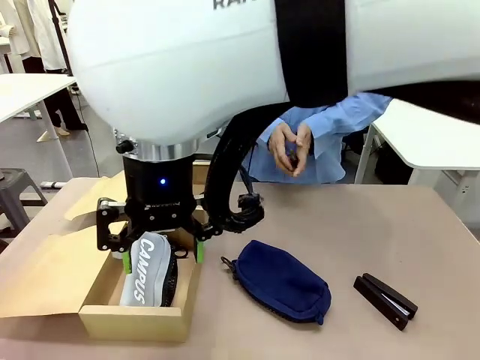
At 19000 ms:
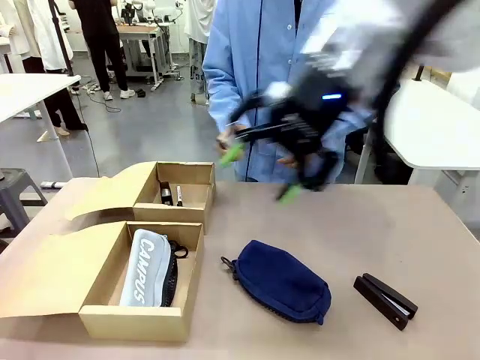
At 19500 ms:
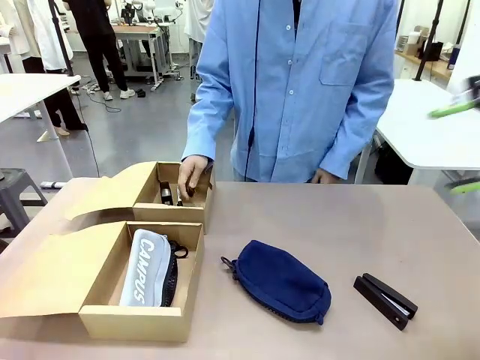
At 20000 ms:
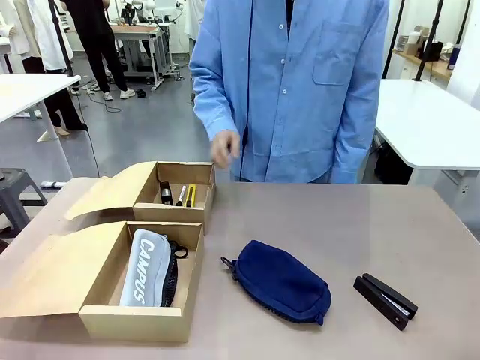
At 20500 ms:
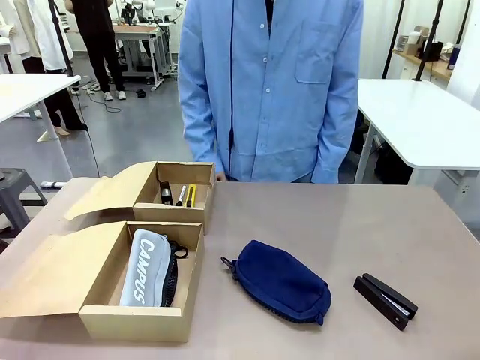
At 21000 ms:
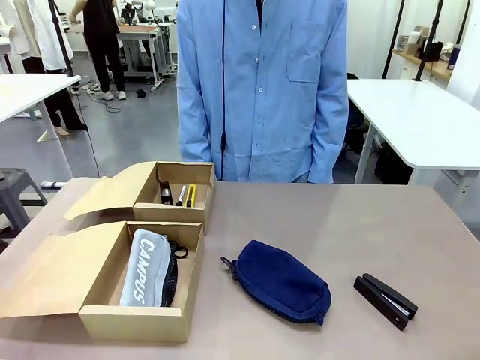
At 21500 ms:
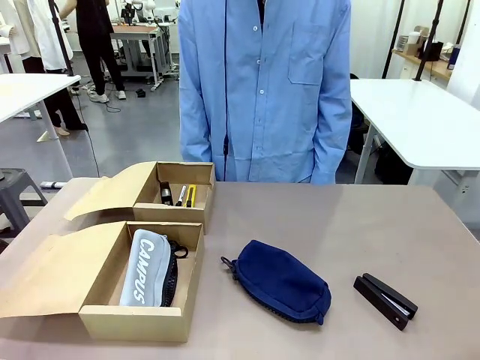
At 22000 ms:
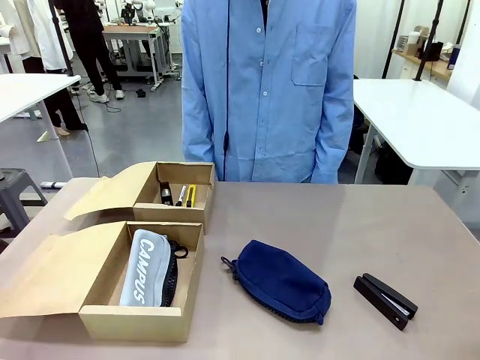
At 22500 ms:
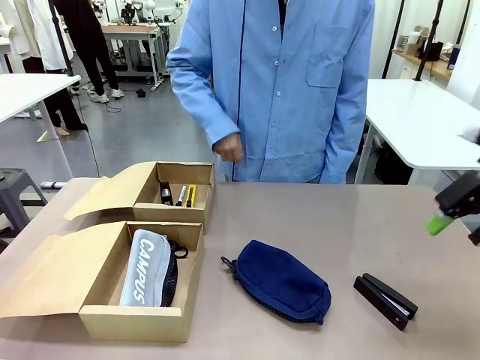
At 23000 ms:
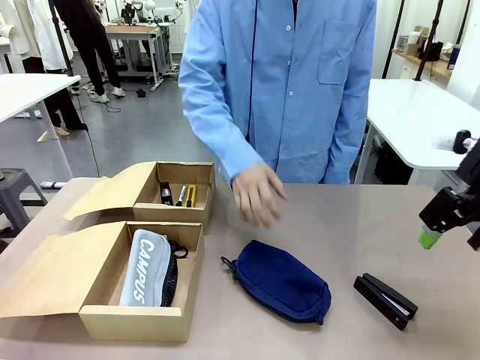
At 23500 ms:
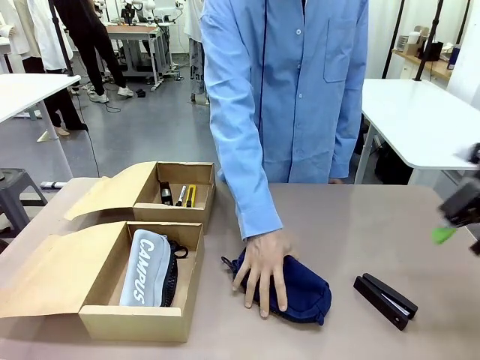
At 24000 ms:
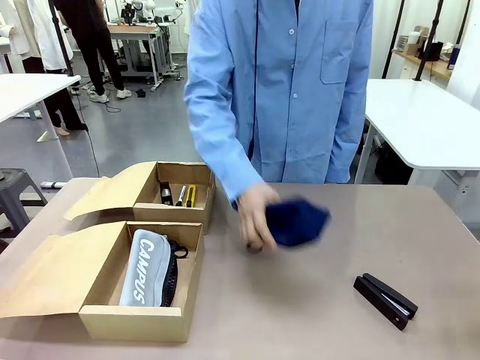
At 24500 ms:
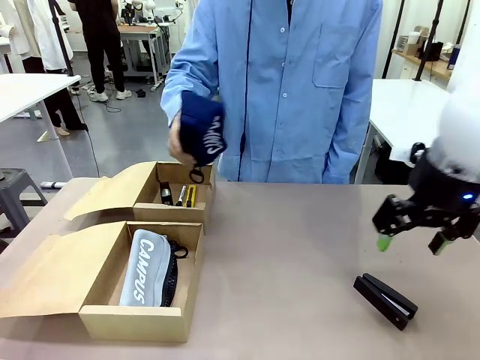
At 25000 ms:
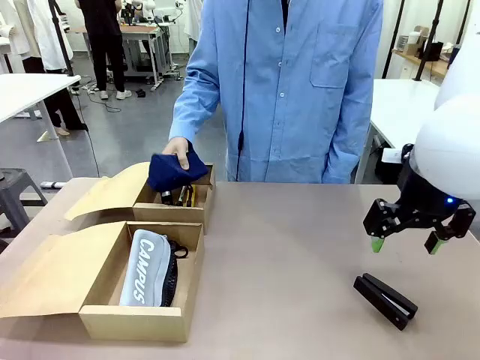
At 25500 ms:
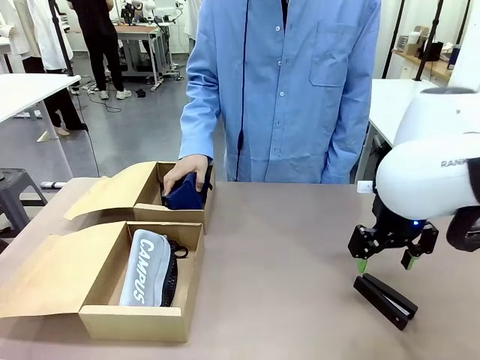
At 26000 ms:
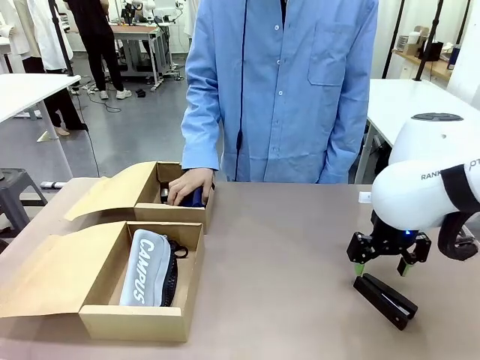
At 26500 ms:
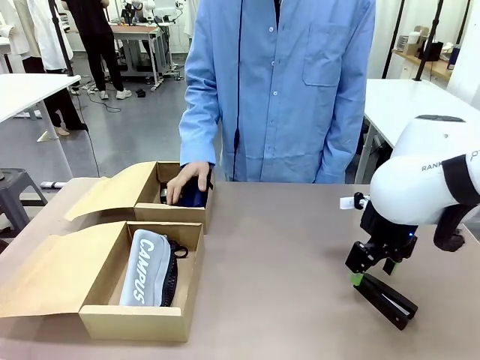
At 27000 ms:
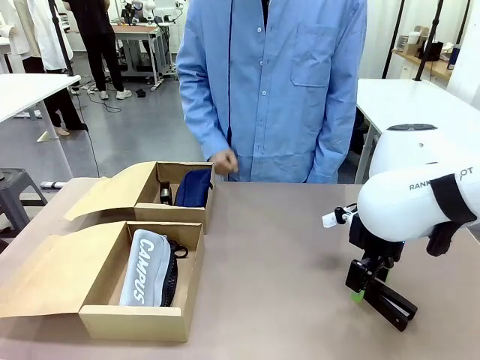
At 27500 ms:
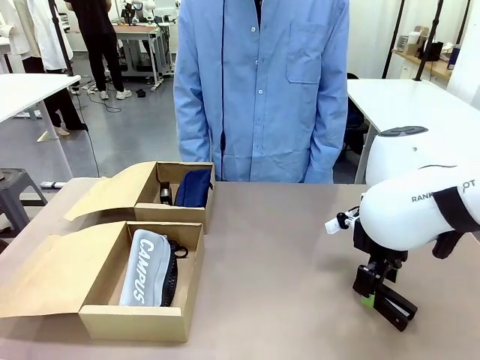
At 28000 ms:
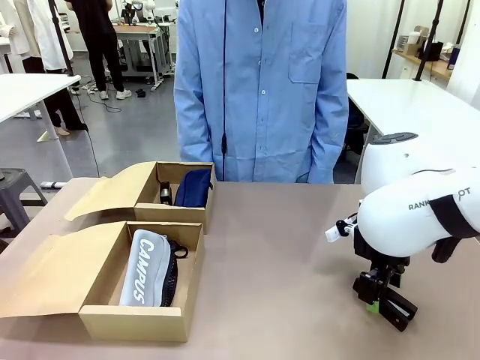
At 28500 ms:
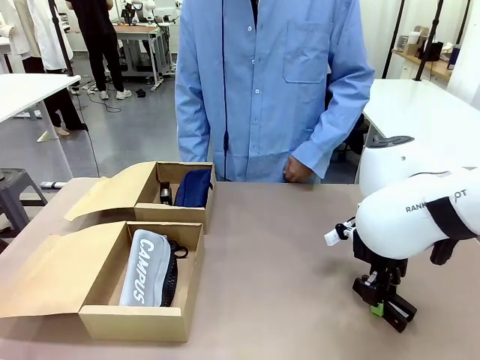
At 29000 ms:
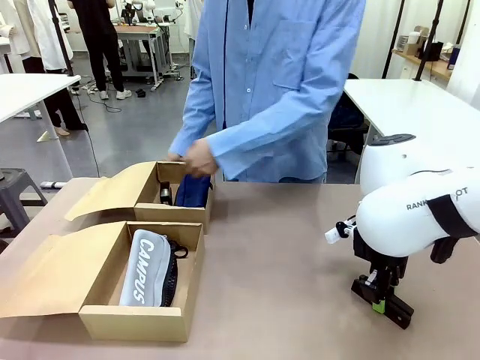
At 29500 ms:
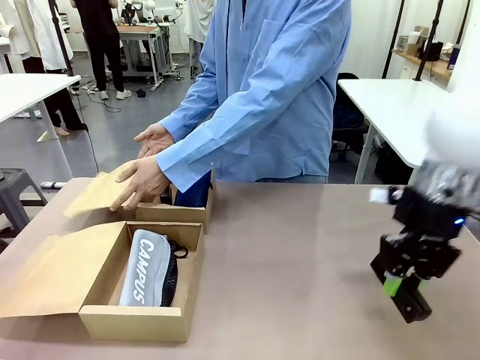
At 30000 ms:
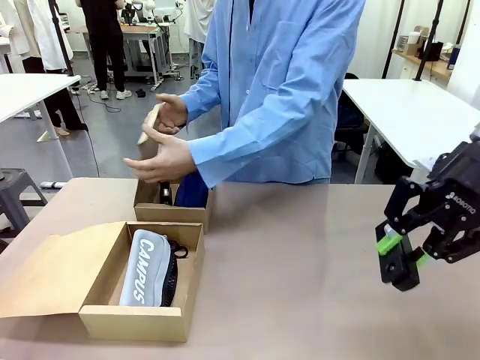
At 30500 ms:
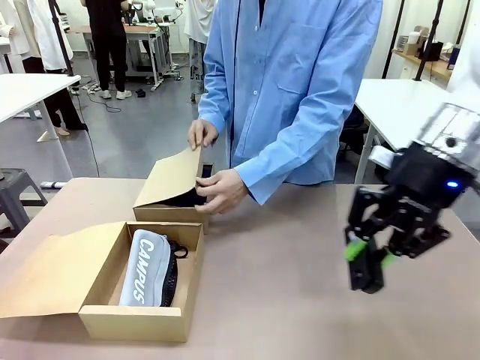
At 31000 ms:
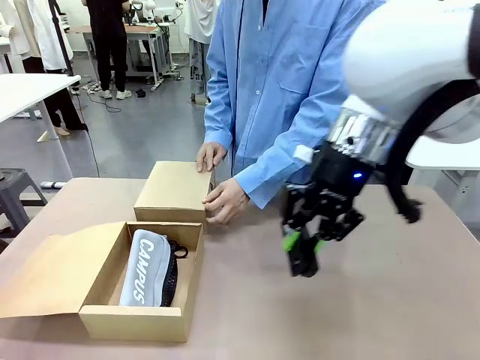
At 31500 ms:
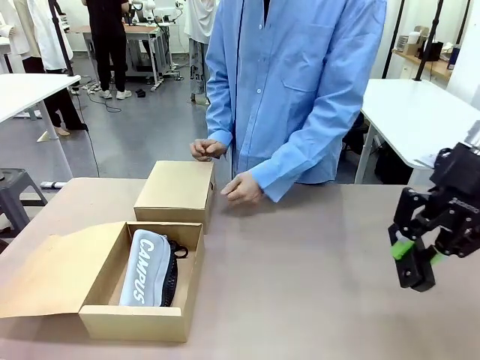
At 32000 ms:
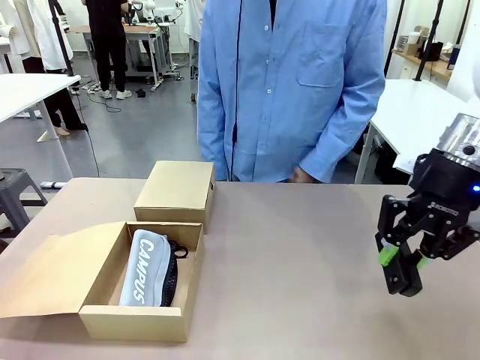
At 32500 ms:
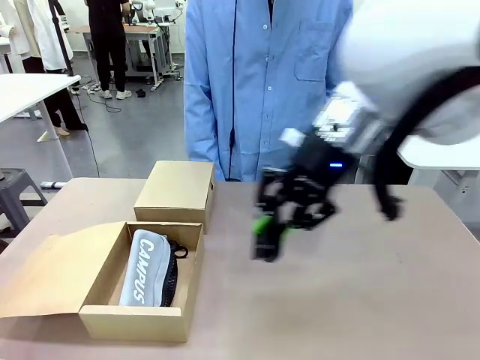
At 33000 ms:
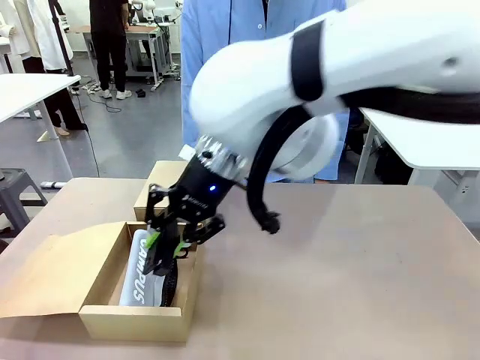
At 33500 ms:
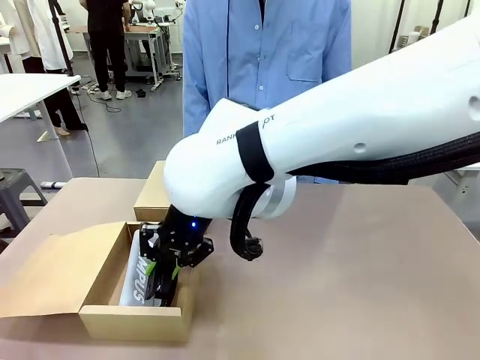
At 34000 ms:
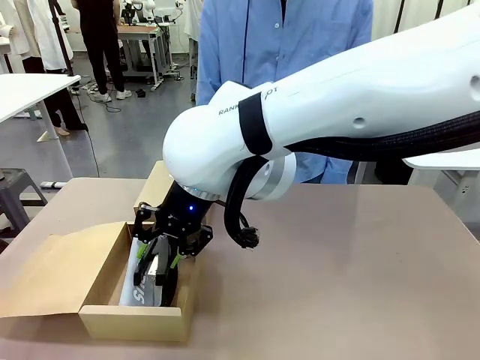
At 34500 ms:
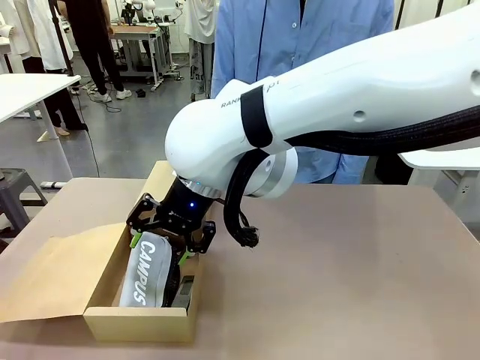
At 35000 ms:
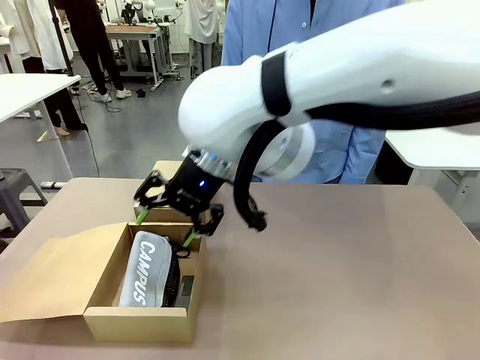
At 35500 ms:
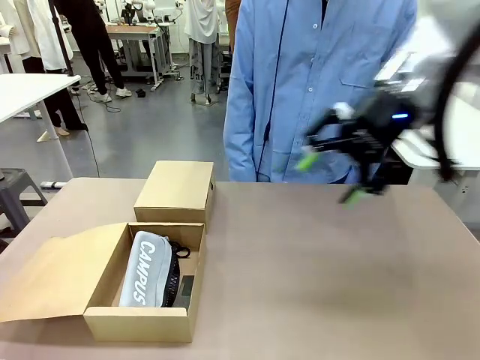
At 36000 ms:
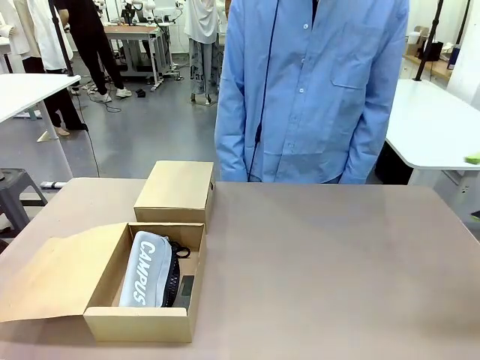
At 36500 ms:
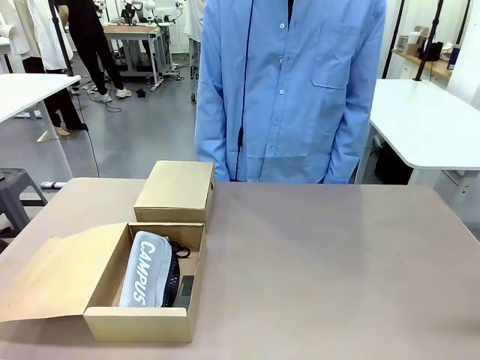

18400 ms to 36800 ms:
Task: Place items inside the box.
Robot: Pick up a Pencil pouch or Stapler and place it inside the Mailer Box closest to the robot.

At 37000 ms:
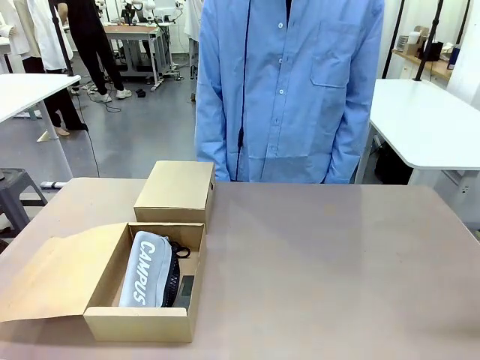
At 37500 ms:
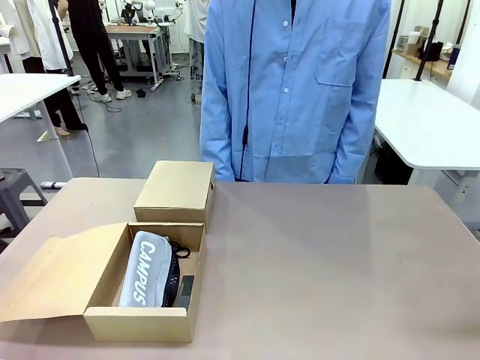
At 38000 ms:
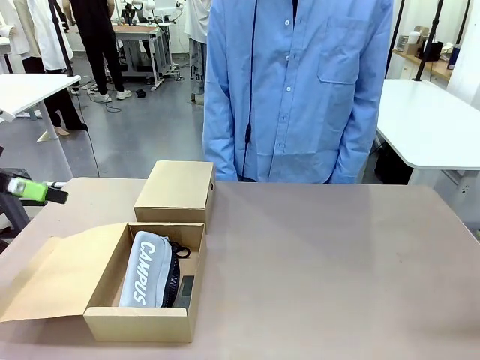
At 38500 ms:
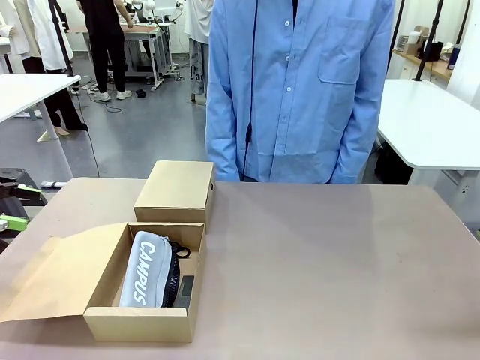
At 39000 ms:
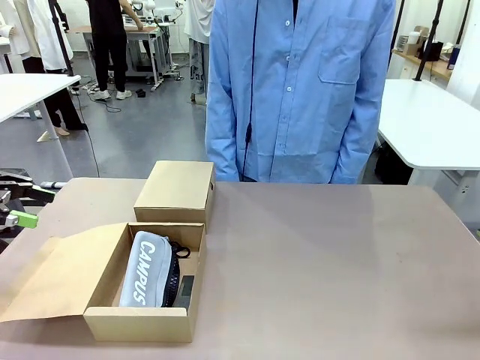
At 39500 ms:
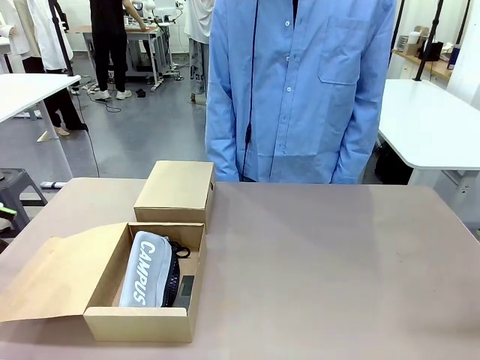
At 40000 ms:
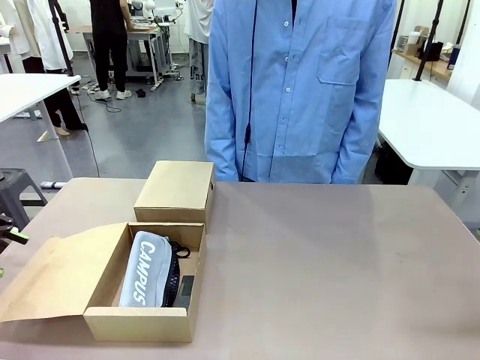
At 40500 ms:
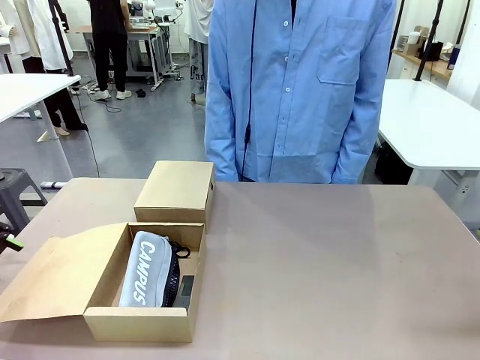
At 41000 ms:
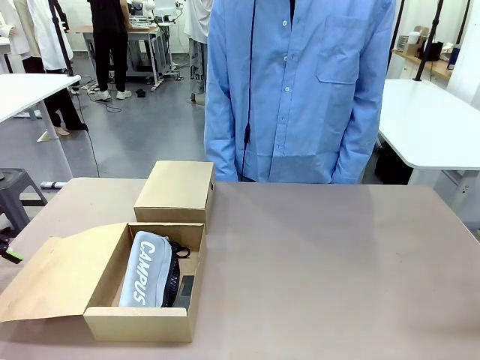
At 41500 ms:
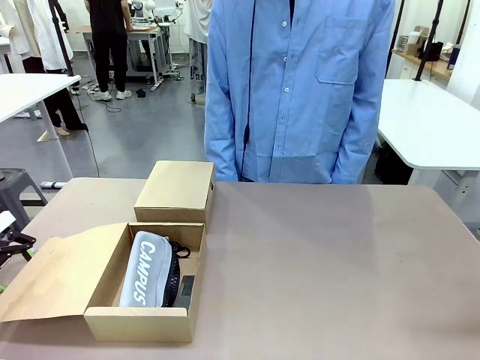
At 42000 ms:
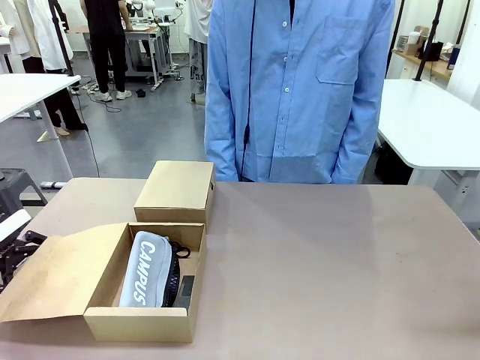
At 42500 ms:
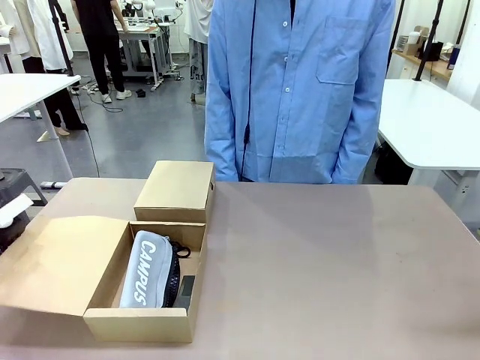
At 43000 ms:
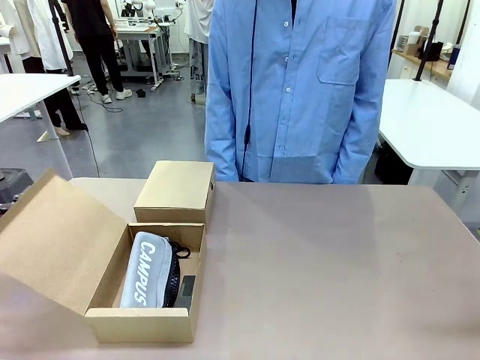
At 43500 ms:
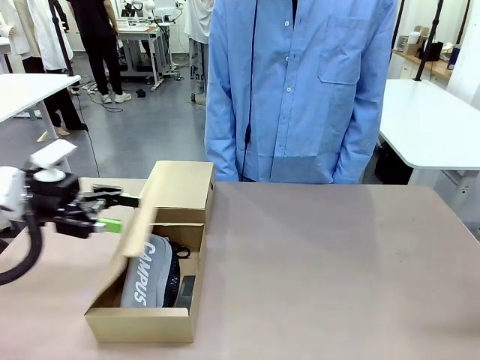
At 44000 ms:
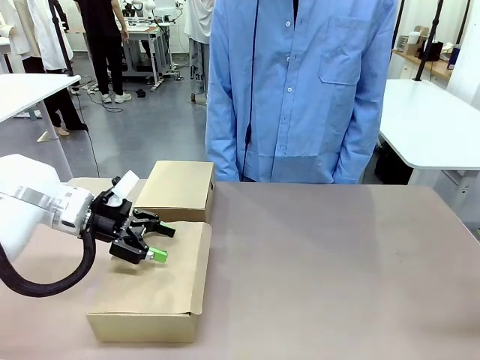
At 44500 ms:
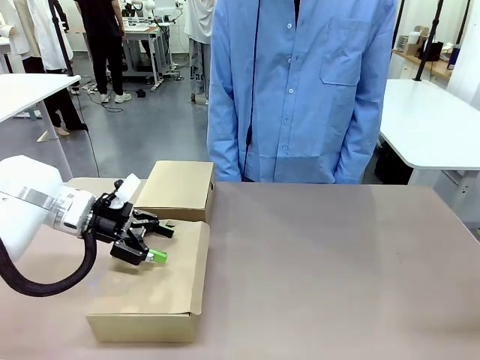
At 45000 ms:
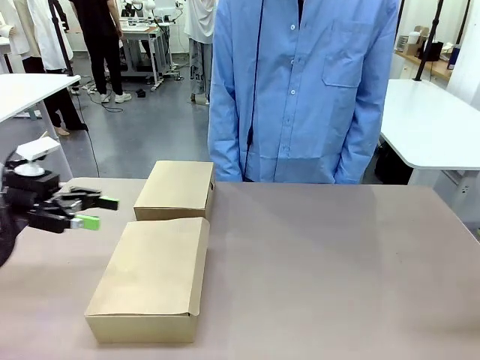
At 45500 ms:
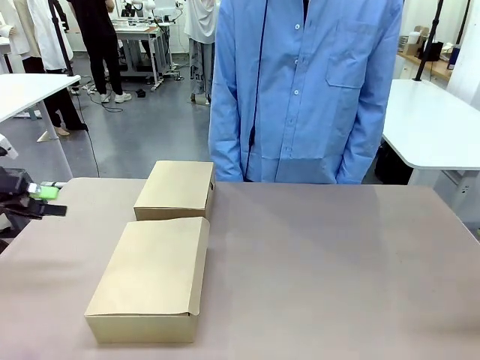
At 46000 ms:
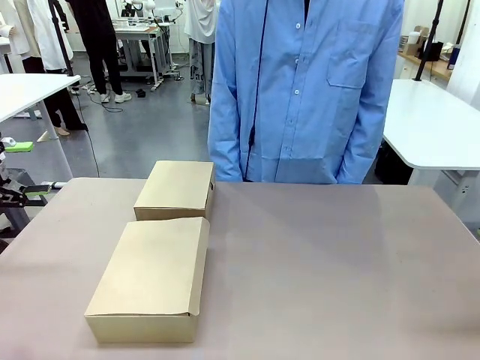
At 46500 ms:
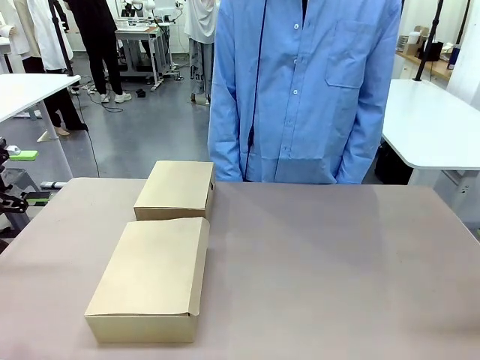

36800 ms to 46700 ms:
Robot: Close the lid of the Mailer Box closest to the robot.
Person: Close the lid of the box facing the person.
